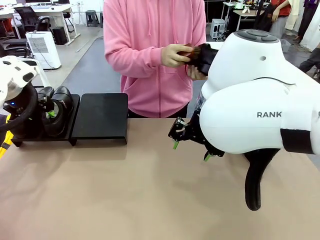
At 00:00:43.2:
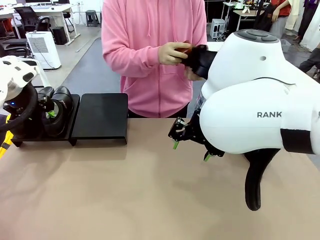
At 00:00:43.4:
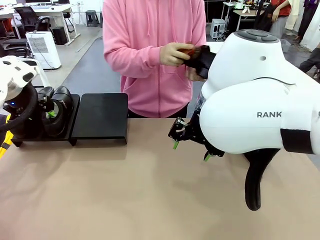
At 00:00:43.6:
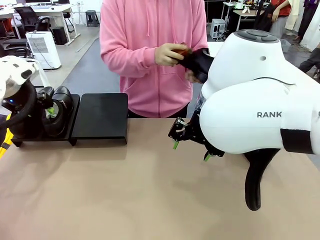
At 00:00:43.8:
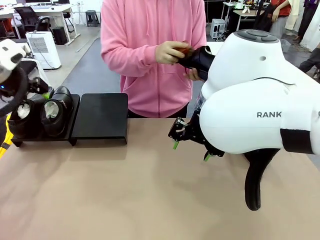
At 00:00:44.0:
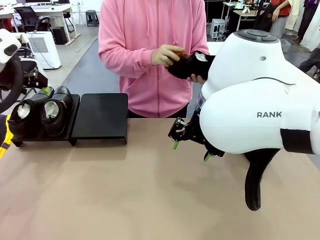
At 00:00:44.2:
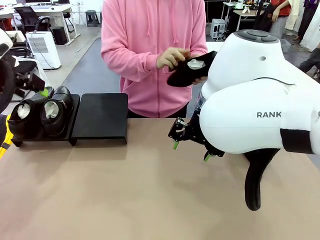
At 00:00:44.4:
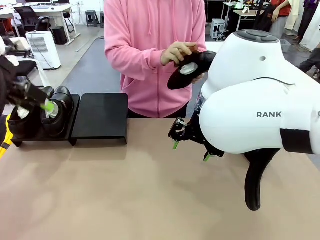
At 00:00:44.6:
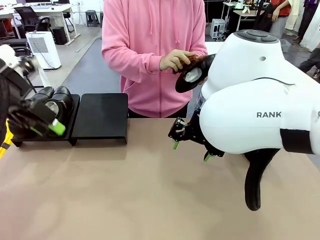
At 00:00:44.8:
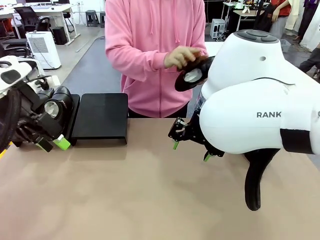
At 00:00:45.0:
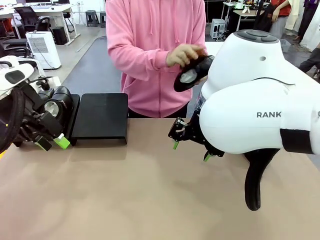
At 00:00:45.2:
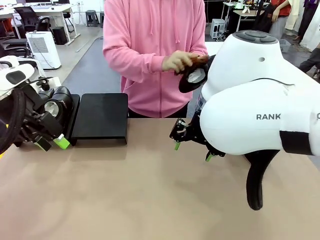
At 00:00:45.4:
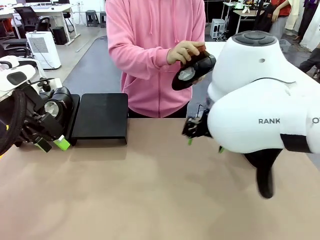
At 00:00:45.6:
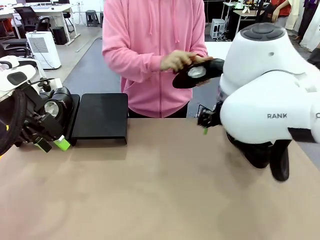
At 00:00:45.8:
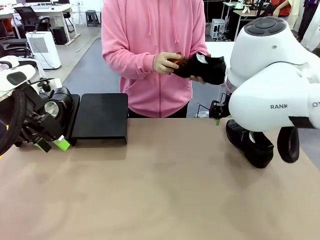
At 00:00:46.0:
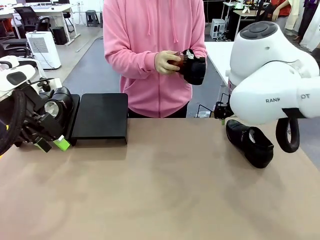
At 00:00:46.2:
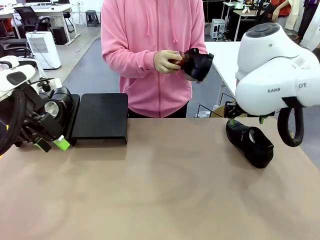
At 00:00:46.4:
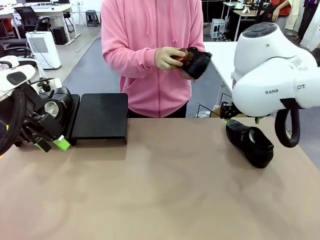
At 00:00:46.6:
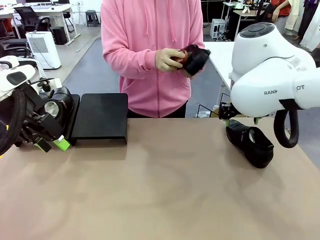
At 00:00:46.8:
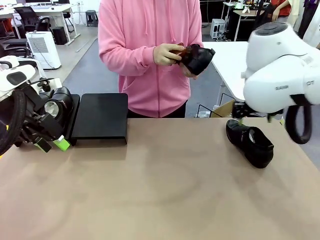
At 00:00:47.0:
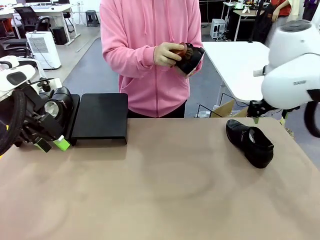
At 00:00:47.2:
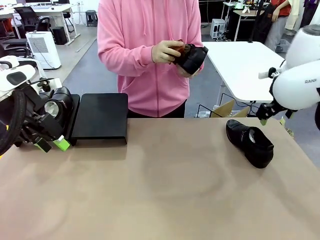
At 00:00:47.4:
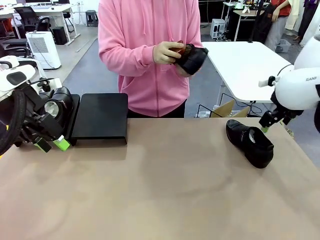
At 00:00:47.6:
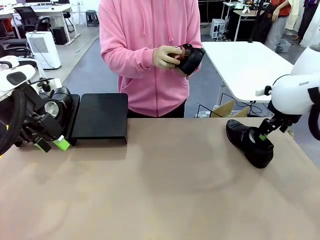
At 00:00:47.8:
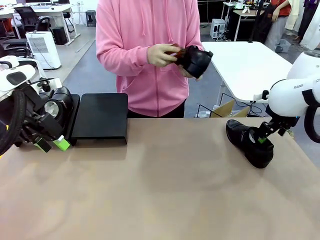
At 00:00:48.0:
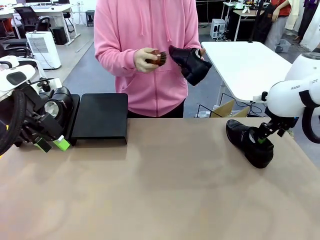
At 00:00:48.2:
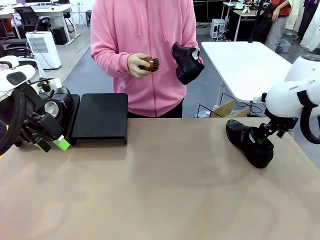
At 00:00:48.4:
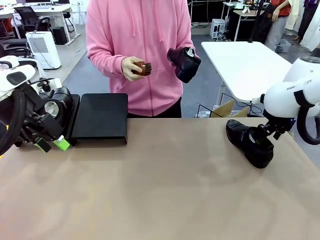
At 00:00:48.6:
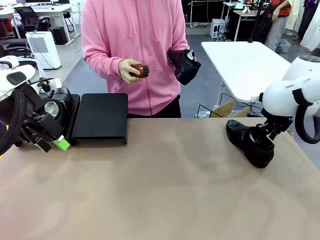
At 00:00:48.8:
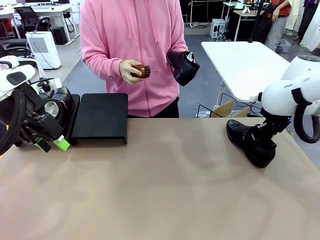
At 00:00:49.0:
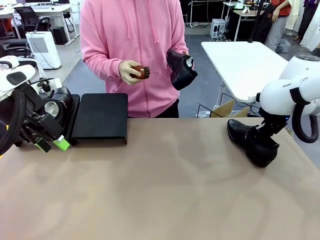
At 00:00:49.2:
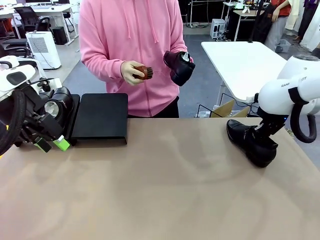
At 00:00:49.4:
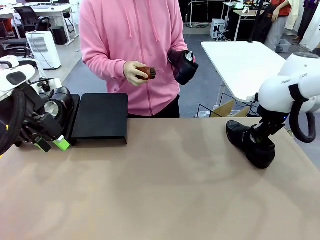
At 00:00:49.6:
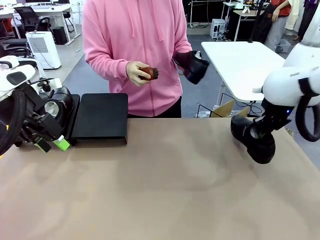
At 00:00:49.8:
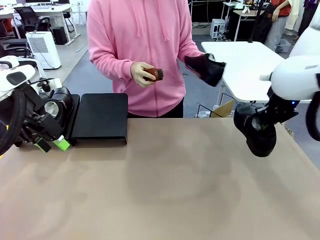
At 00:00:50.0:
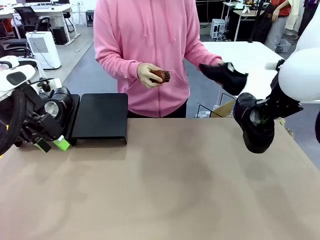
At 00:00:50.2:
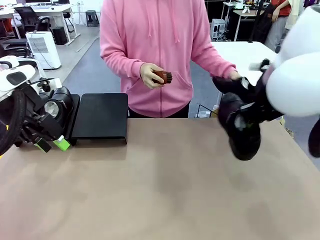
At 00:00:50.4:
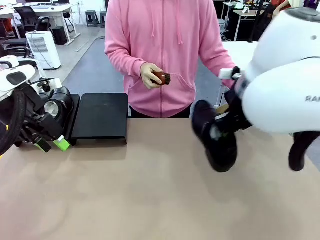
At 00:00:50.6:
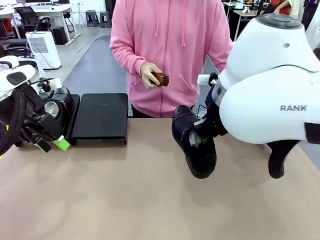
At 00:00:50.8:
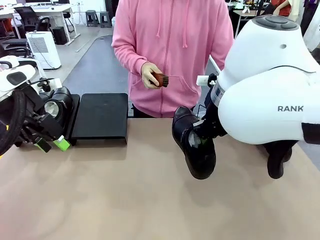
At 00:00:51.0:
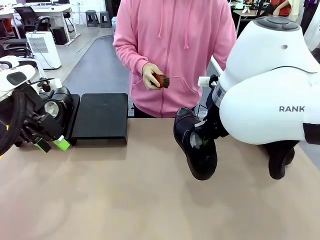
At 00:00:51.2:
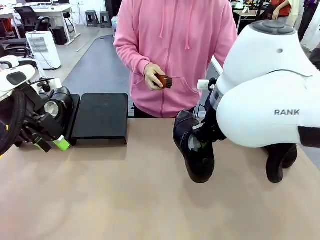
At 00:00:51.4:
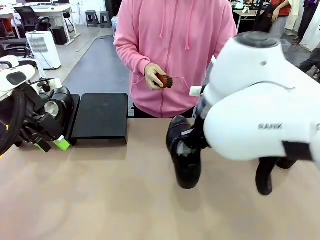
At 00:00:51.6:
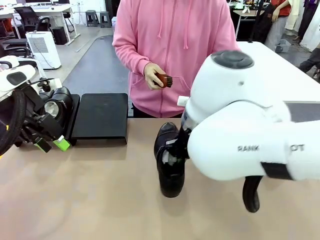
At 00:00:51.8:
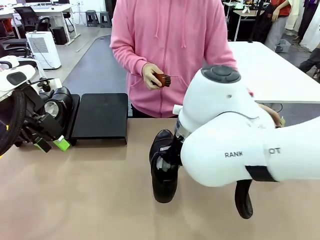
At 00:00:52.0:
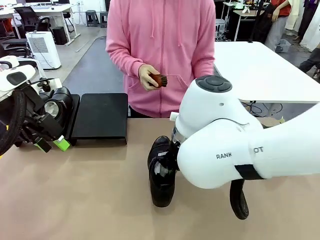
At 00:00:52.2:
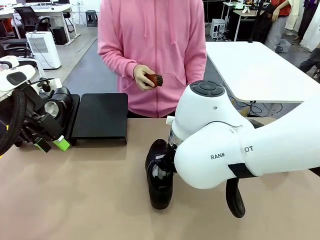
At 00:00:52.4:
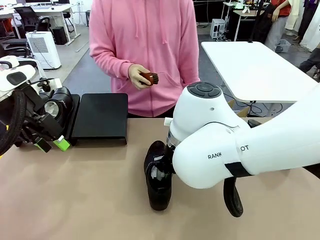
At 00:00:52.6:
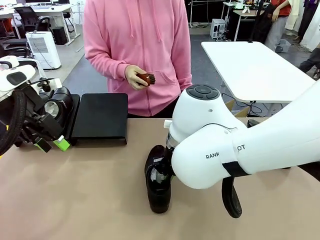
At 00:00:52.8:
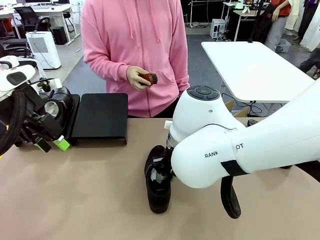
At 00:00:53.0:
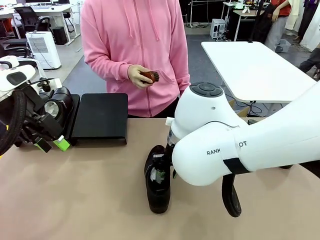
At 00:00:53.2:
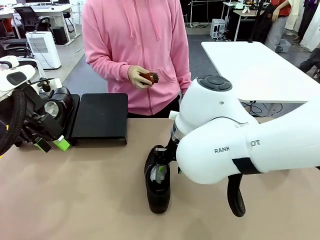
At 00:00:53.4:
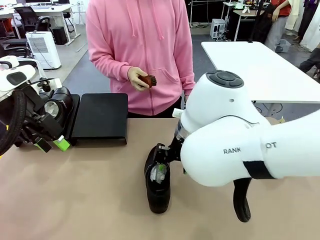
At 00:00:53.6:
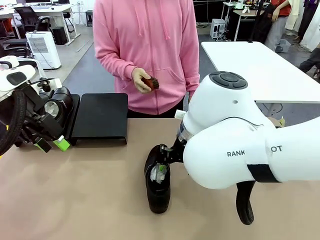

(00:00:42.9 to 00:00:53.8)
Task: Organize the shoes by placing them on the stand.
Robot: Pick up one Shoe and place it in the middle of the table.

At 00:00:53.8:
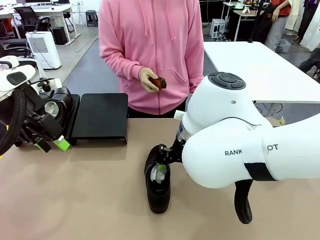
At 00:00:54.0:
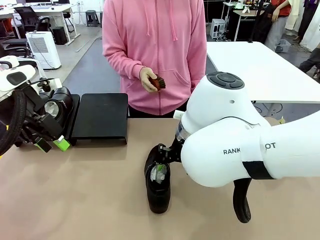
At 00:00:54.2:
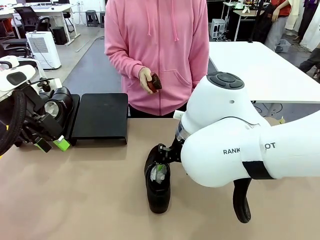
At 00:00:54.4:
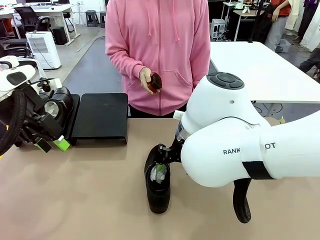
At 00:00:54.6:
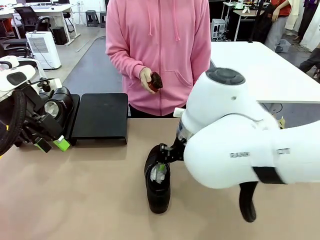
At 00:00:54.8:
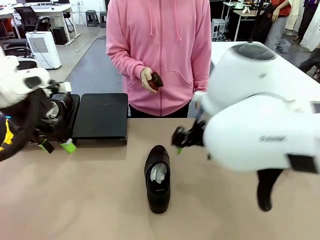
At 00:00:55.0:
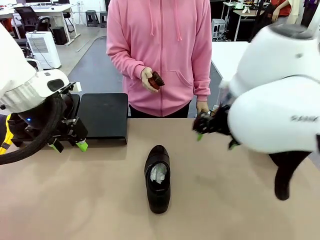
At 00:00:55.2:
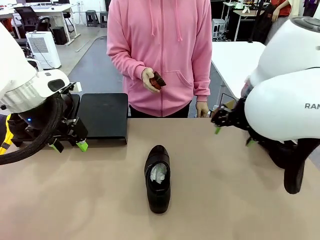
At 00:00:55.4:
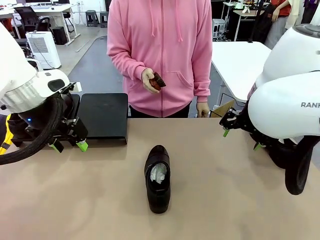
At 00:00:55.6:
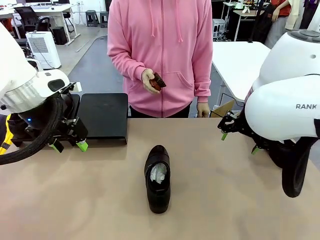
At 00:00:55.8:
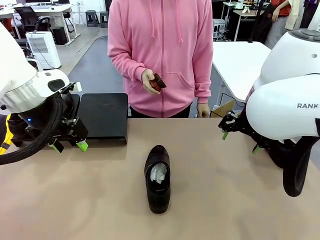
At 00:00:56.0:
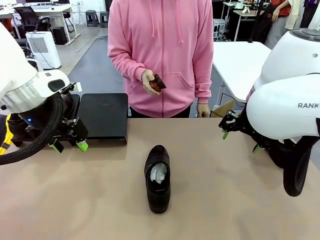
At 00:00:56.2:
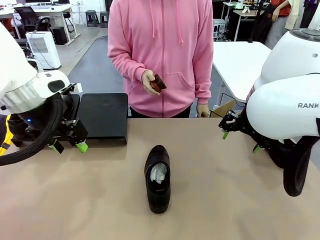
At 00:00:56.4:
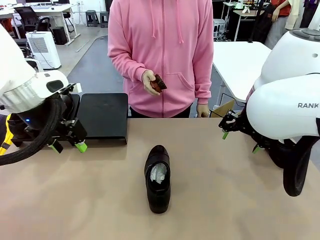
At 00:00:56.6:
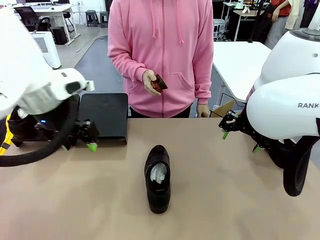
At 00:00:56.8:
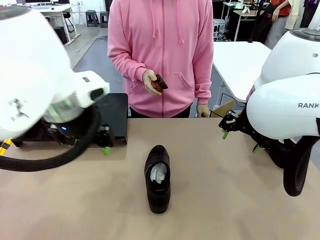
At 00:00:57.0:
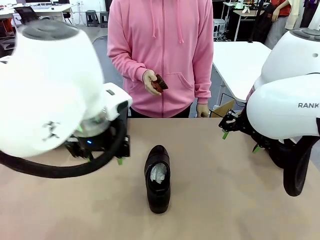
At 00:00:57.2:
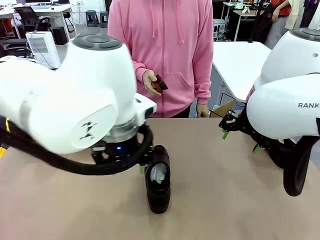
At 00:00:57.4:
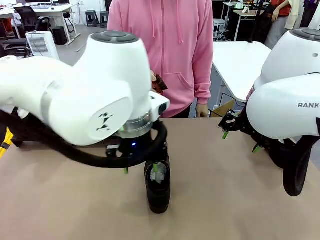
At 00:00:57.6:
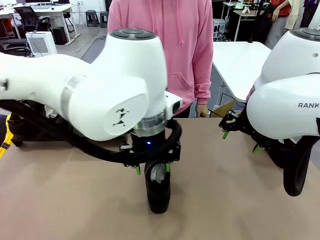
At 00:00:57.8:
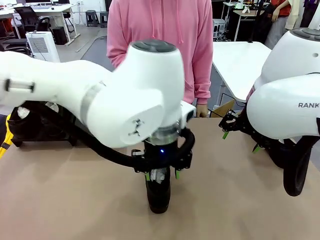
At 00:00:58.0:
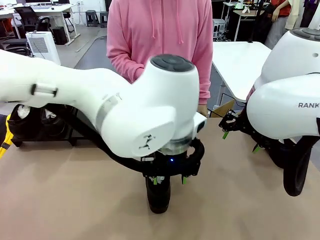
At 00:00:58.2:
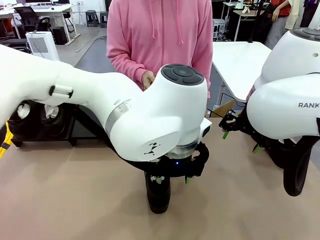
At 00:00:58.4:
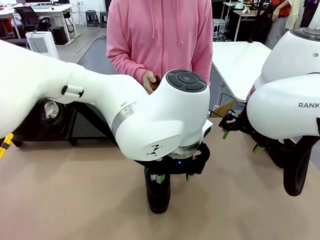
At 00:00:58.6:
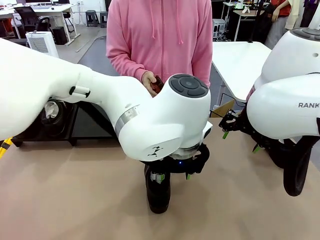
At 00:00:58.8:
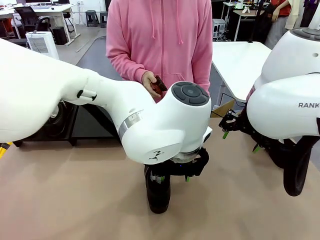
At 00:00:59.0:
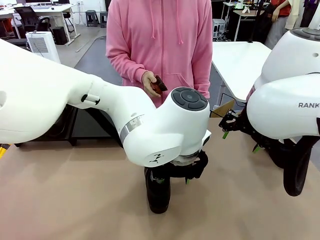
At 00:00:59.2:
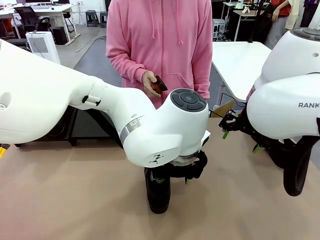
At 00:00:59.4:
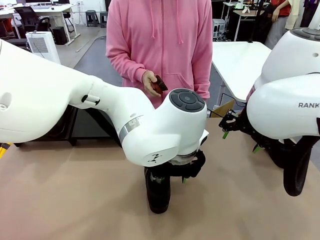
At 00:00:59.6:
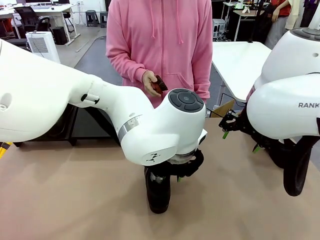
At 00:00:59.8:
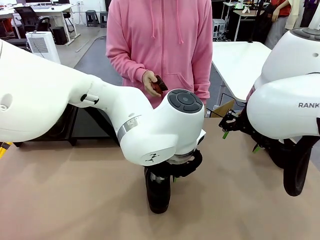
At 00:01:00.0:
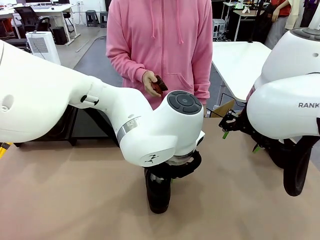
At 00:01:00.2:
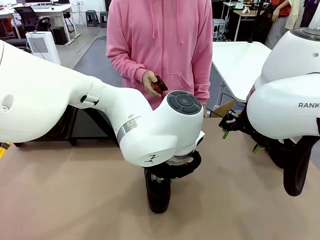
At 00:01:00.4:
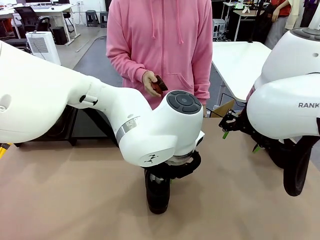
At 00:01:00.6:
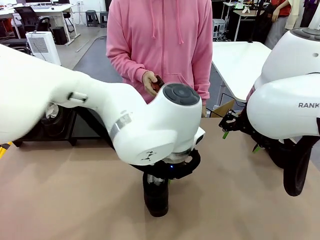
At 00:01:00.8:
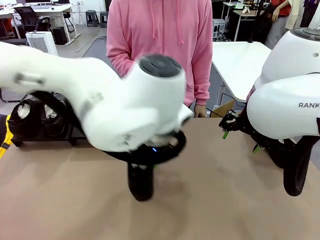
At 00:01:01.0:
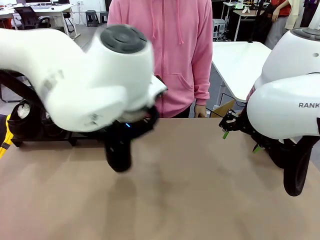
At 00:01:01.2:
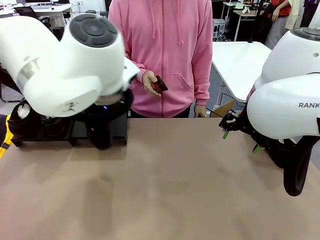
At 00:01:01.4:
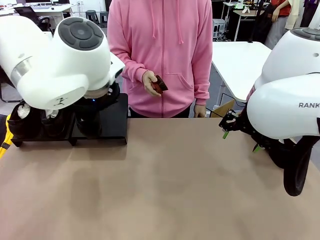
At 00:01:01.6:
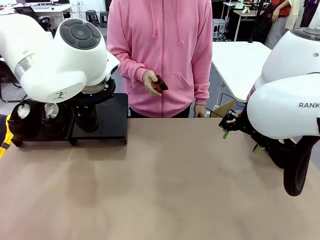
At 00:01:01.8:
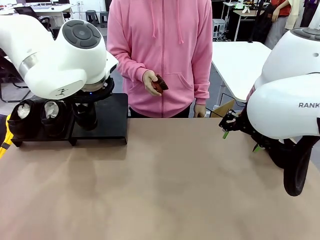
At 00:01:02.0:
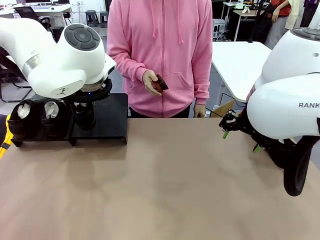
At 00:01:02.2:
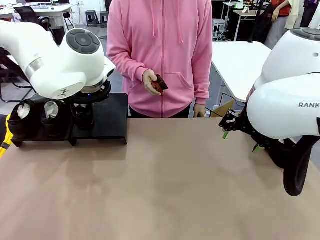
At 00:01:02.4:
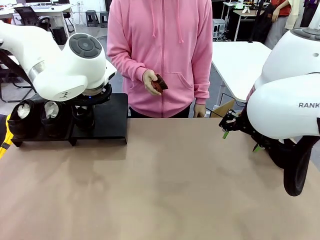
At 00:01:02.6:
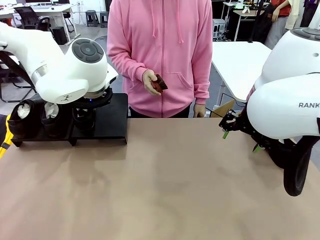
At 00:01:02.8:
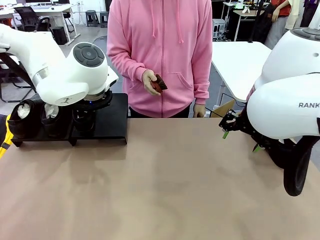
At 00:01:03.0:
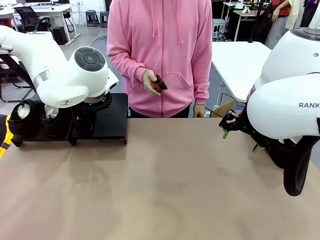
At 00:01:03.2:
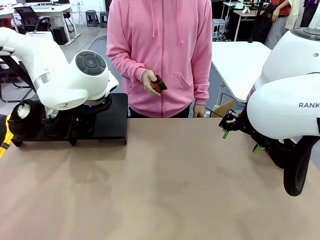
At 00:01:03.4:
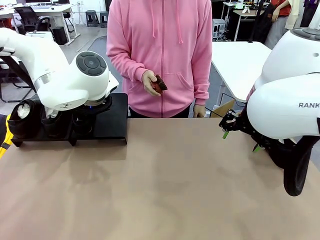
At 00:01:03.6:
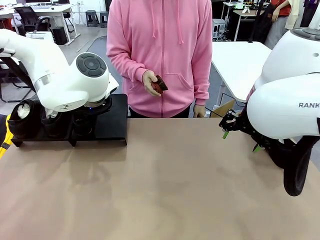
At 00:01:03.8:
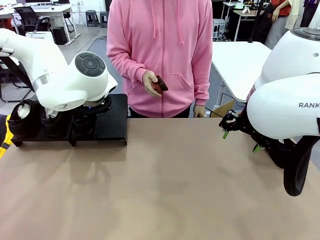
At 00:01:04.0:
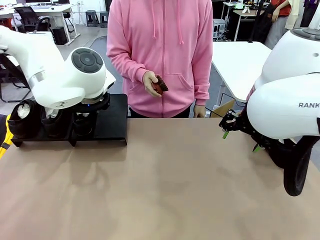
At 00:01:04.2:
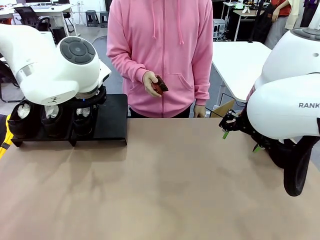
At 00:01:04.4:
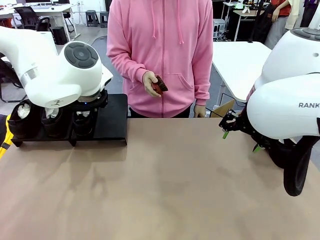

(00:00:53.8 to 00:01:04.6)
Robot: Place the Shoe from the middle of the table onto the Shoes Stand.
